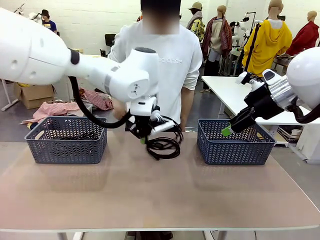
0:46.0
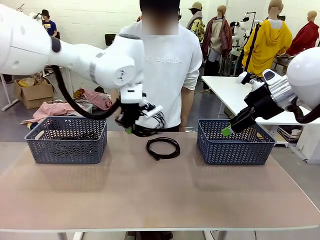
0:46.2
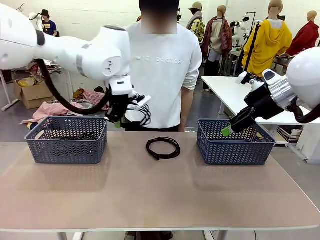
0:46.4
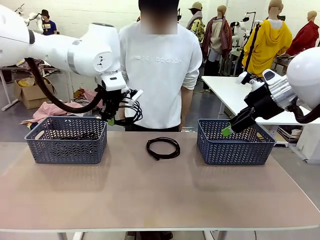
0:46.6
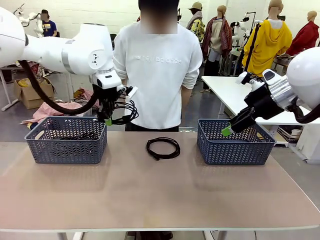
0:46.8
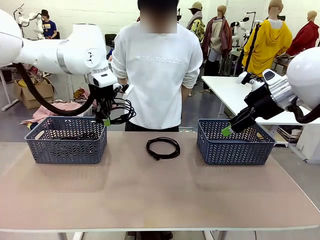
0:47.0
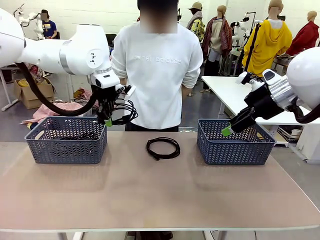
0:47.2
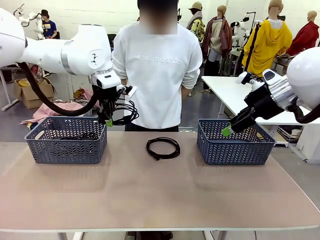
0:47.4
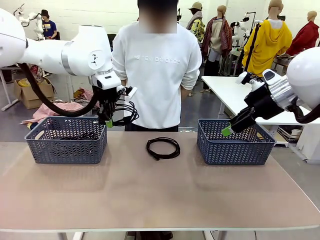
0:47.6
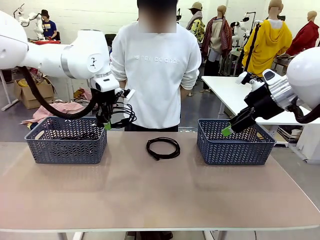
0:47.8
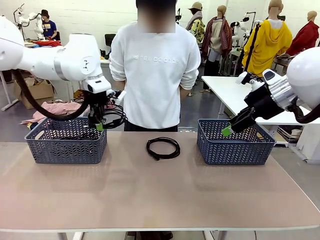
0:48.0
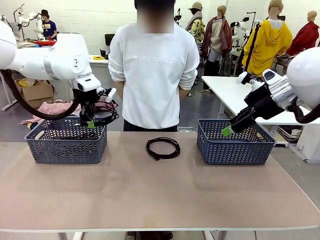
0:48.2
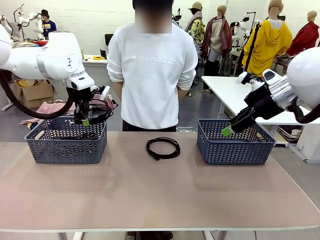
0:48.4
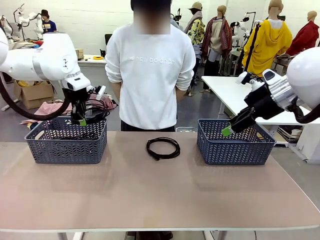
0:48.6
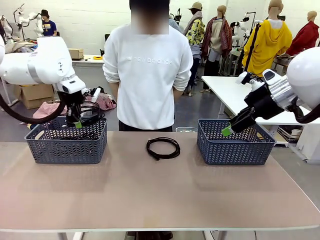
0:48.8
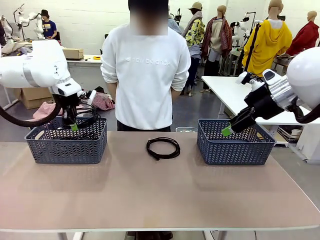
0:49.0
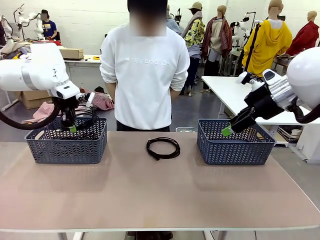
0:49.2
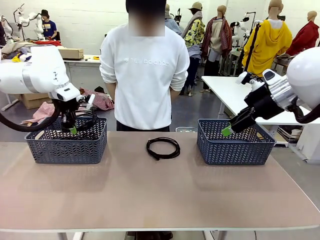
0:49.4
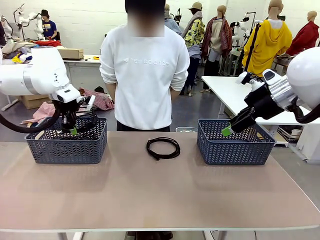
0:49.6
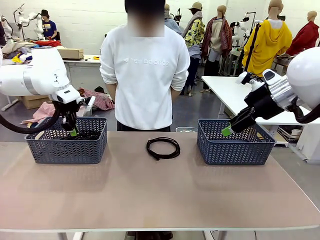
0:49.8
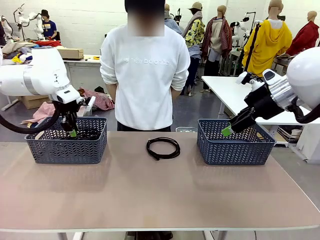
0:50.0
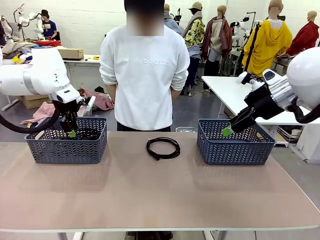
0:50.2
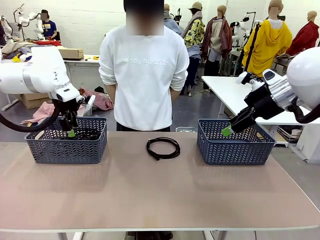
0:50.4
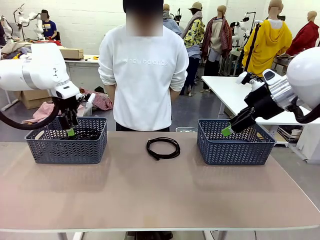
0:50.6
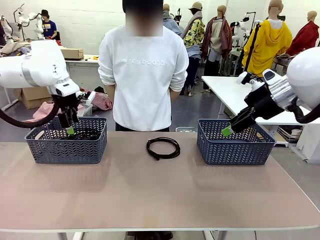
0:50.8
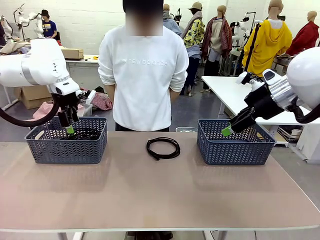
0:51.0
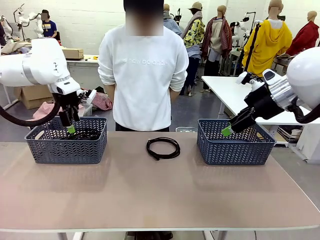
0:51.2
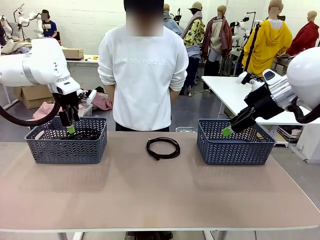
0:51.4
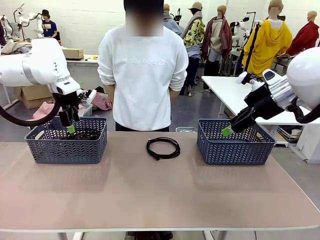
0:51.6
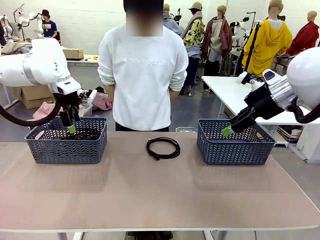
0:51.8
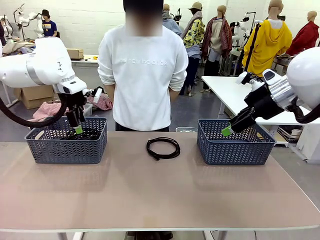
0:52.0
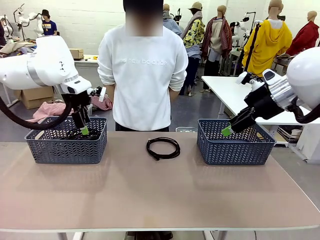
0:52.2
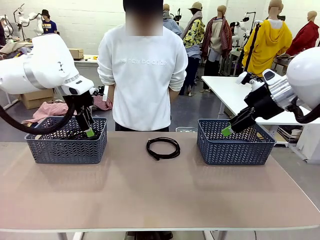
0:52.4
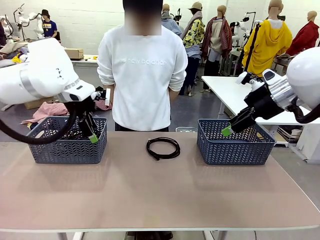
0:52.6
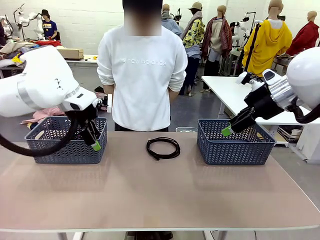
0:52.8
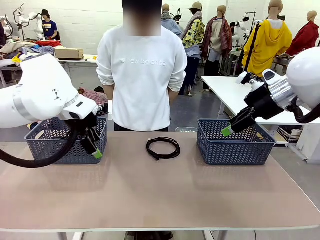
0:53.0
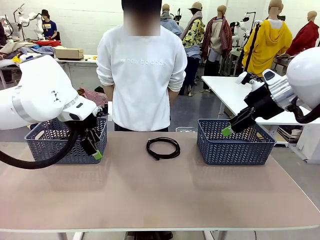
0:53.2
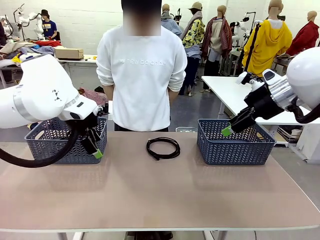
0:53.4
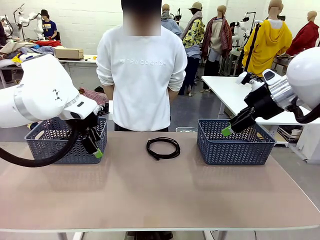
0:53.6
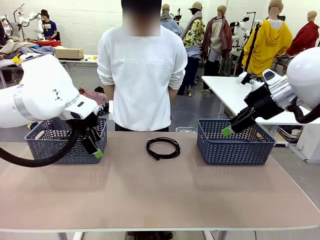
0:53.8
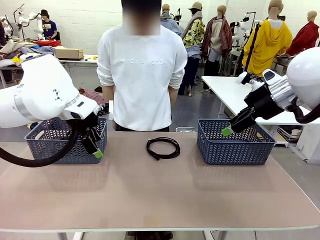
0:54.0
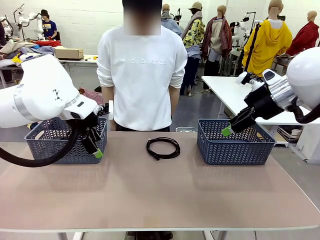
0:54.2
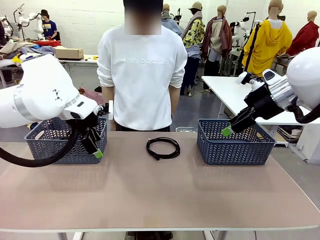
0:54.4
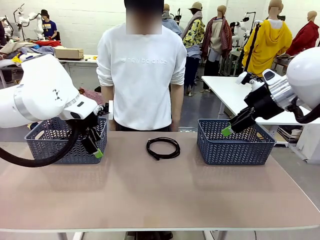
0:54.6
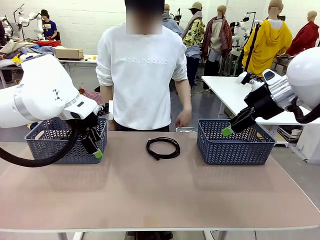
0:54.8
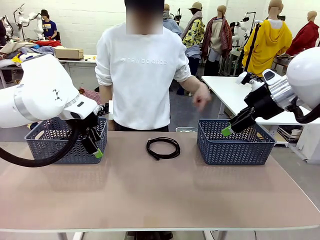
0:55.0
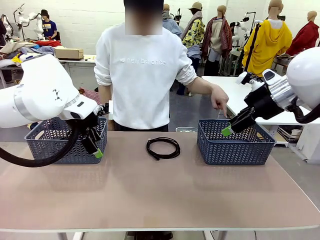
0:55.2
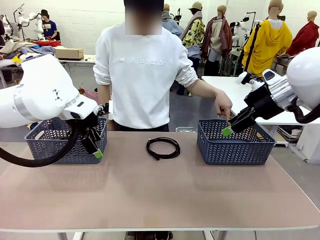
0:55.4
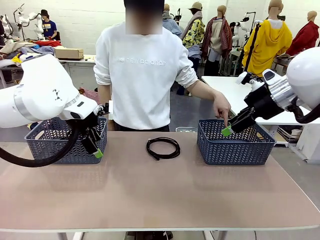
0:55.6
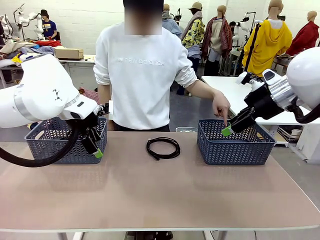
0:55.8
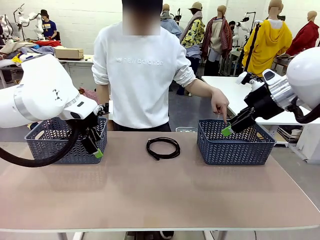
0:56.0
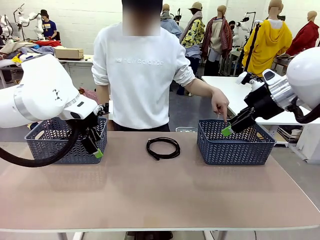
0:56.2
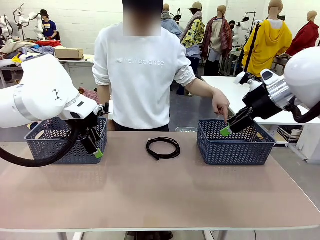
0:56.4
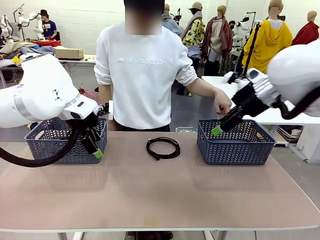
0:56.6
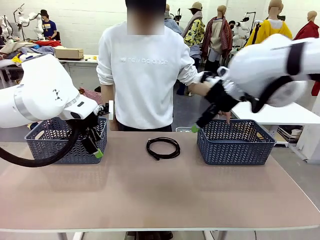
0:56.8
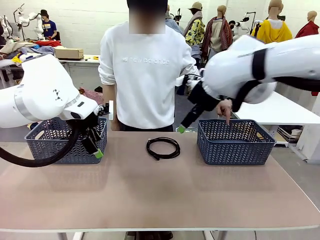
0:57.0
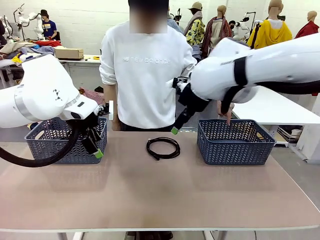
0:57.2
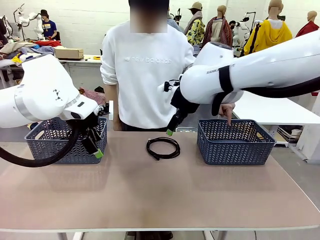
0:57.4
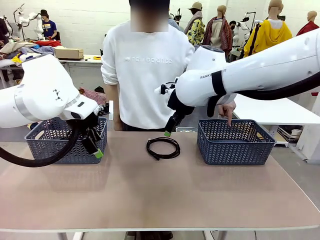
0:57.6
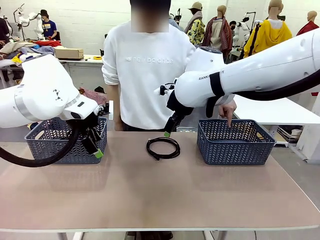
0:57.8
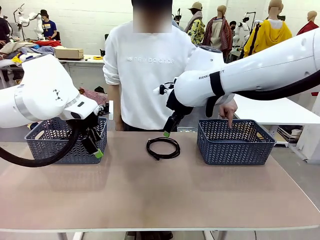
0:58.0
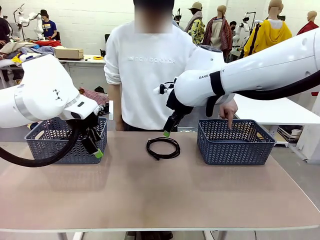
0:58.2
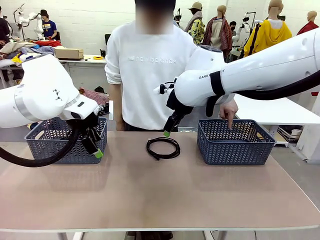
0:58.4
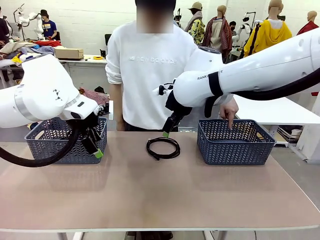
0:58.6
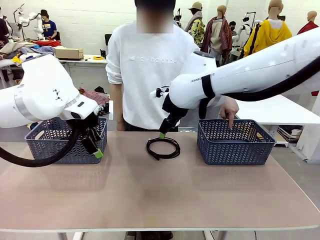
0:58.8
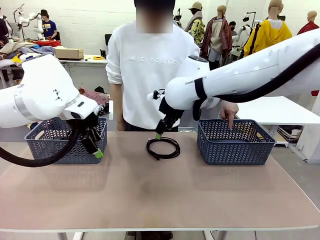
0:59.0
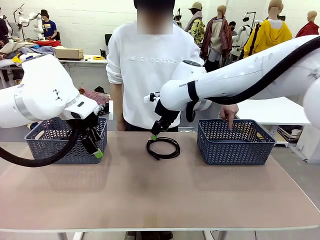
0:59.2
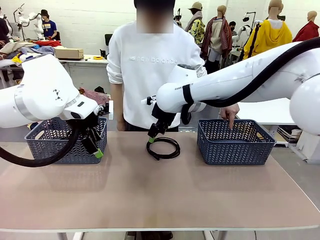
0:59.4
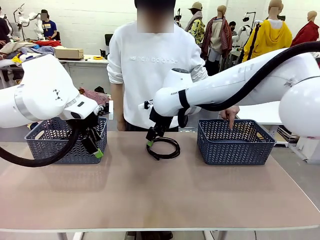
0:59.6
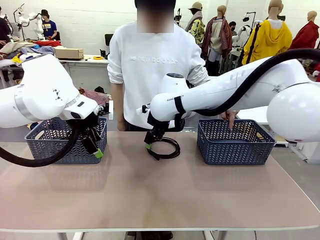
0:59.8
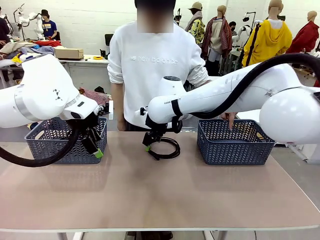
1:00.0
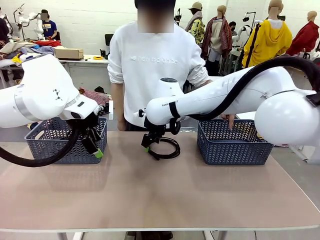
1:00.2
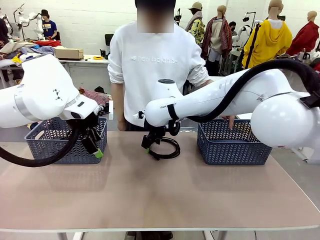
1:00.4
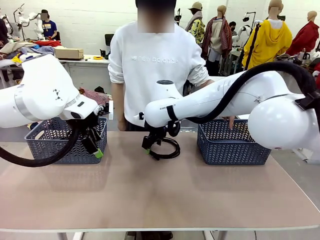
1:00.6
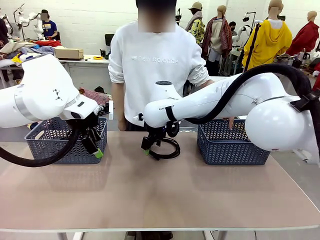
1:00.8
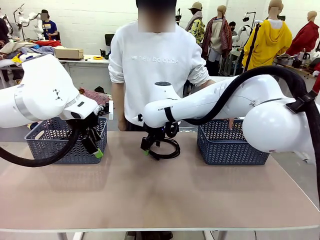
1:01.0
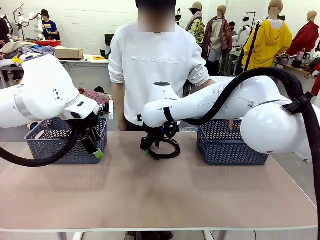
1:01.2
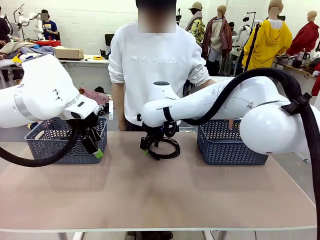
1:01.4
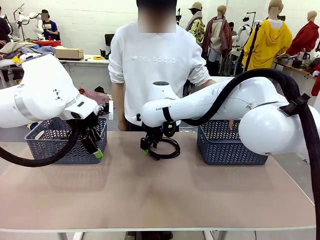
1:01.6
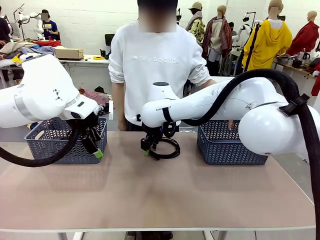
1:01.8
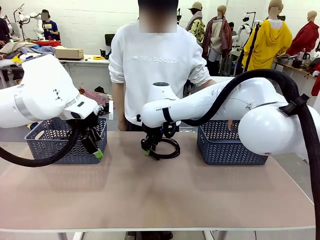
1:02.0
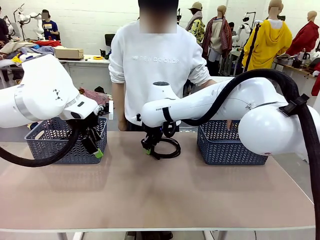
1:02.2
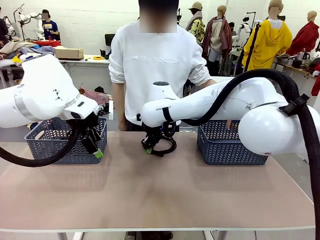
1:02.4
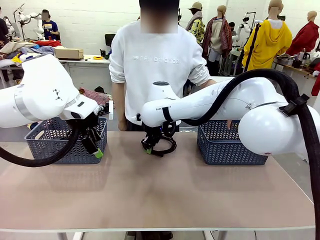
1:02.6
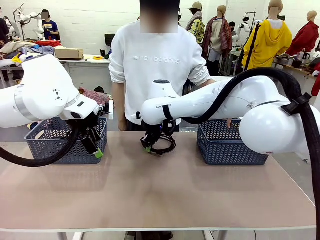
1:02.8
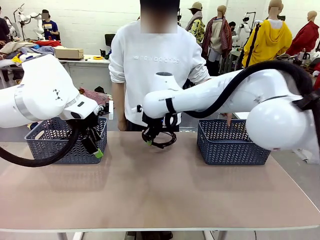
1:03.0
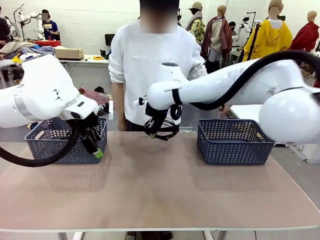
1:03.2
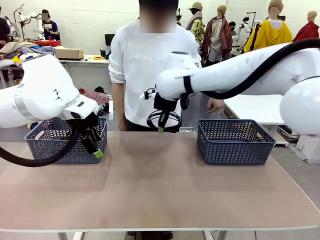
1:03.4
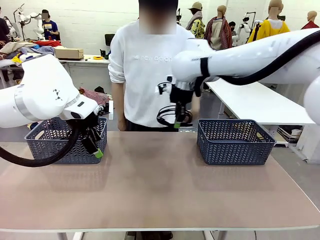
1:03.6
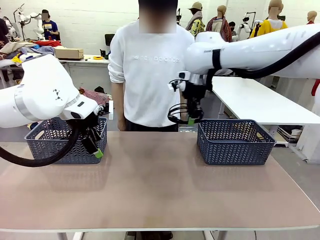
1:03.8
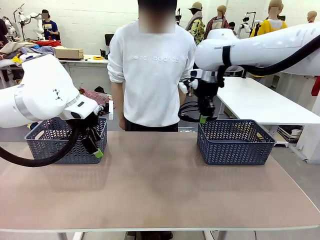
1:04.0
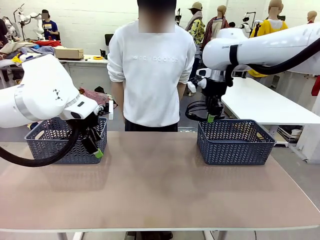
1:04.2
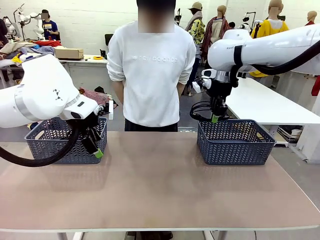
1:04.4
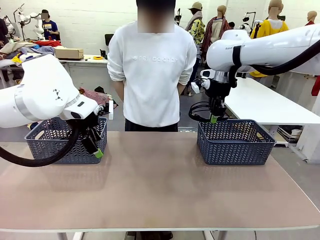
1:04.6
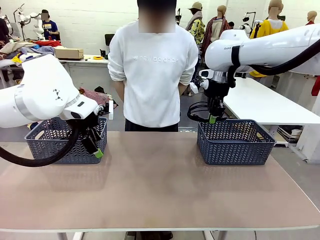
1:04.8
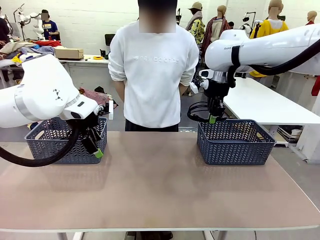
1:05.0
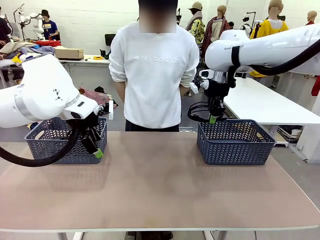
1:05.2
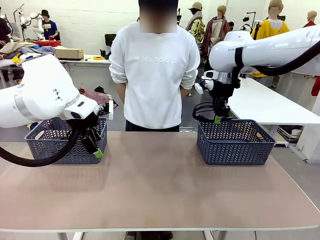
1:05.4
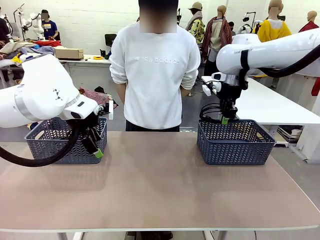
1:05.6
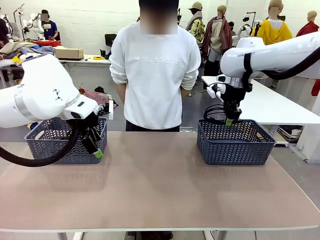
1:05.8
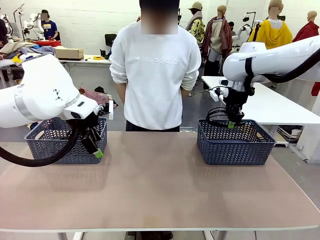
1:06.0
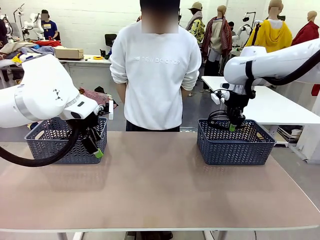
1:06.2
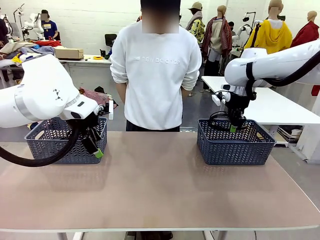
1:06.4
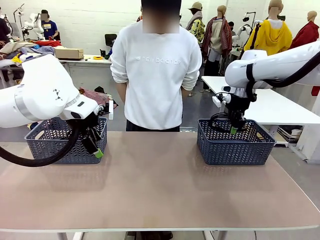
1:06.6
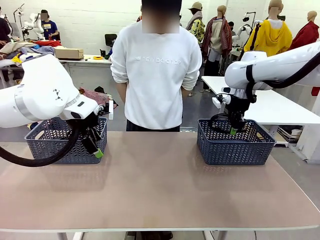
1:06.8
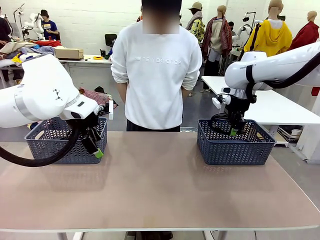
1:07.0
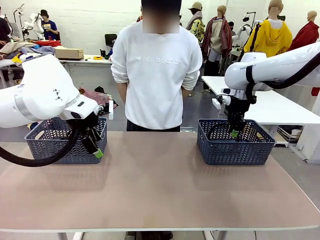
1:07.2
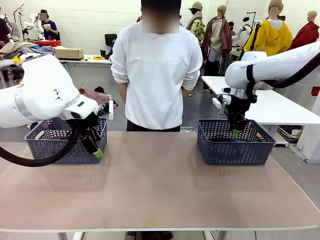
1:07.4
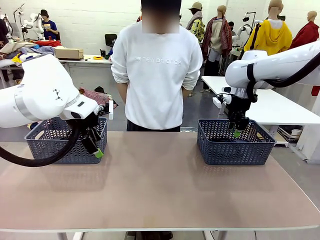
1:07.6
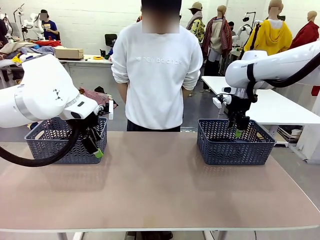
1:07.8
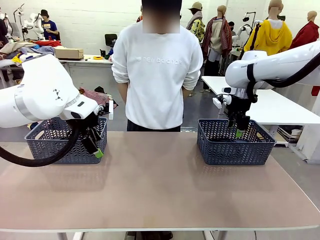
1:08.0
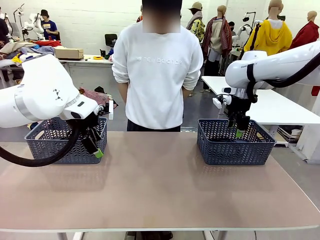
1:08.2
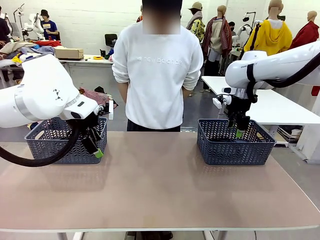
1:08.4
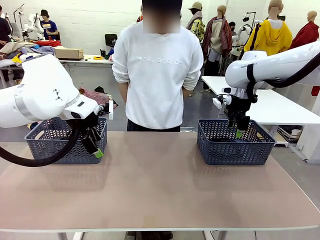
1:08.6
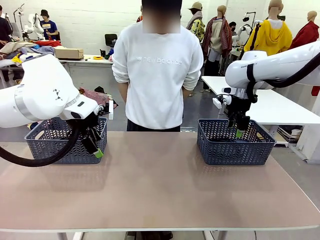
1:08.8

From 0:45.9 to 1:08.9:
Task: Organize the cables according to human instructions.
Robot: Pick up a bundle of cables and place it in the basket indicated by the human.
